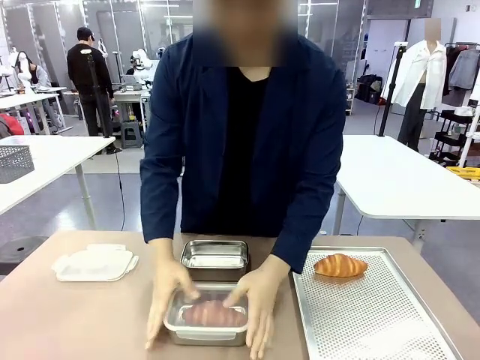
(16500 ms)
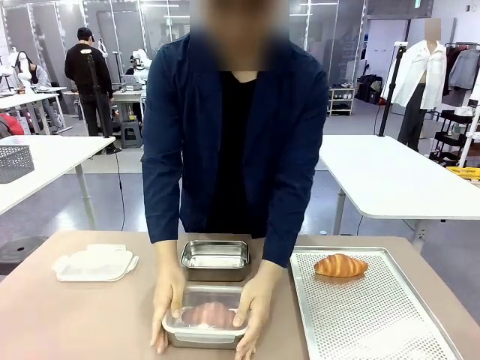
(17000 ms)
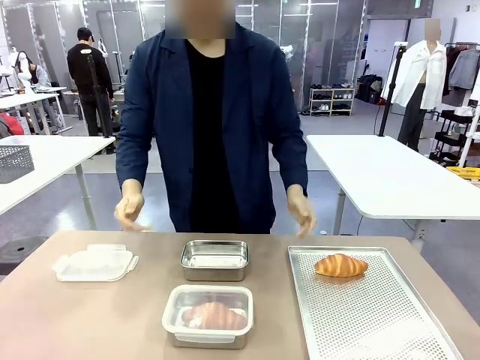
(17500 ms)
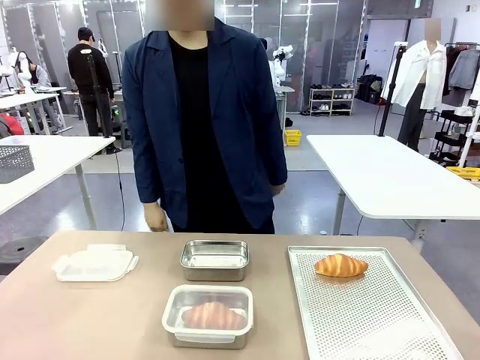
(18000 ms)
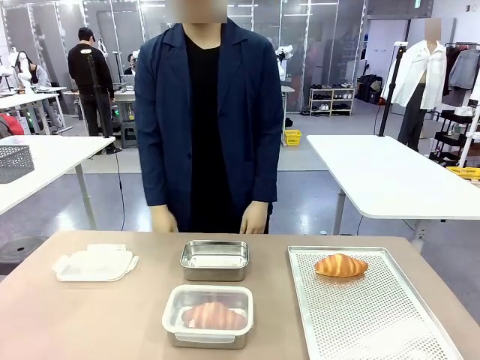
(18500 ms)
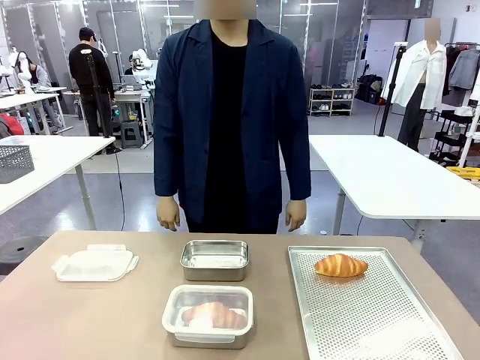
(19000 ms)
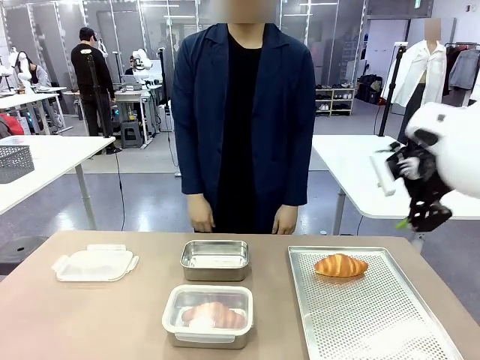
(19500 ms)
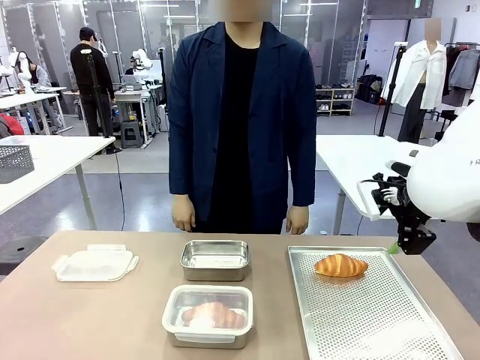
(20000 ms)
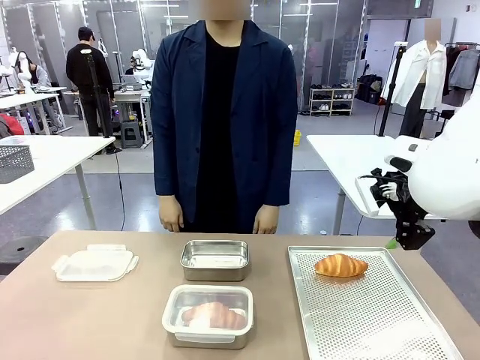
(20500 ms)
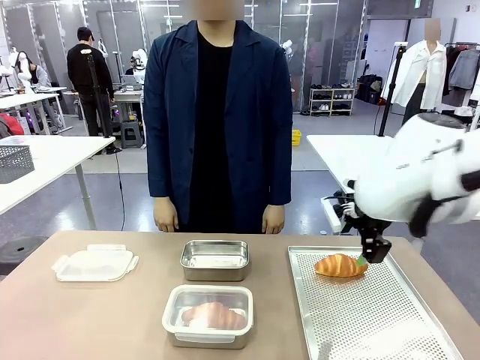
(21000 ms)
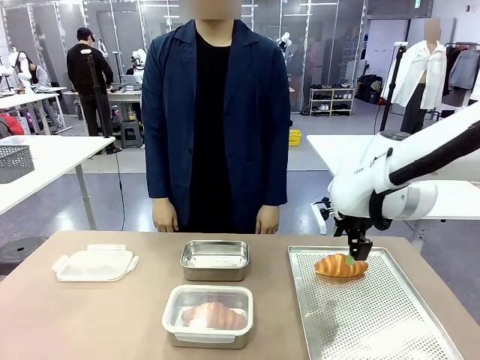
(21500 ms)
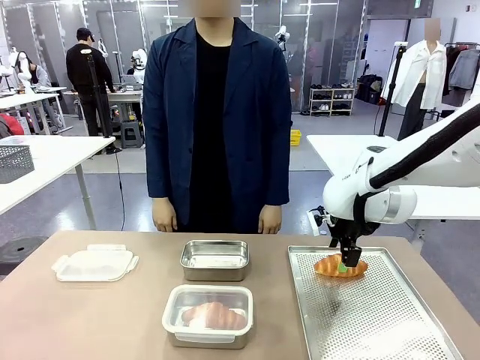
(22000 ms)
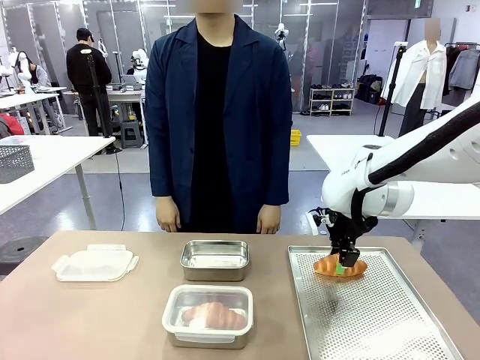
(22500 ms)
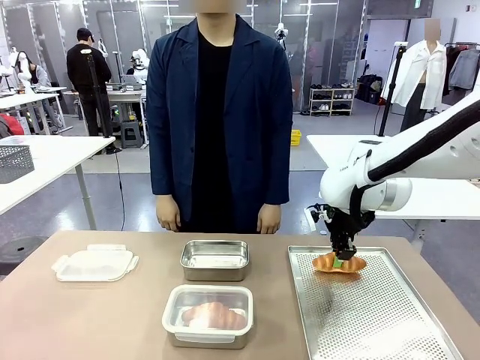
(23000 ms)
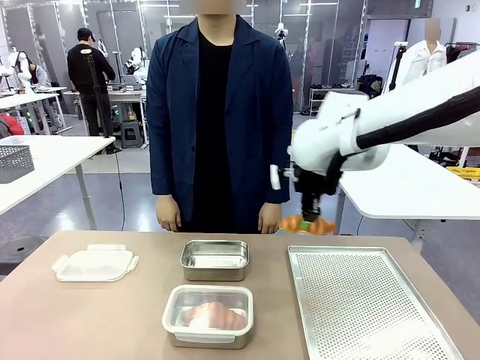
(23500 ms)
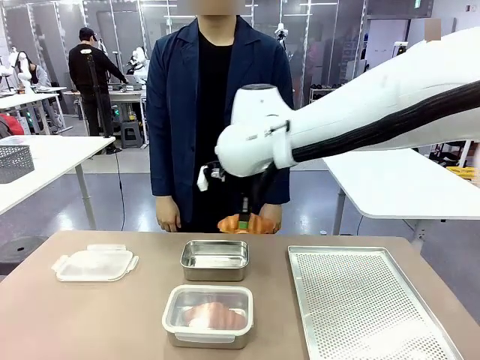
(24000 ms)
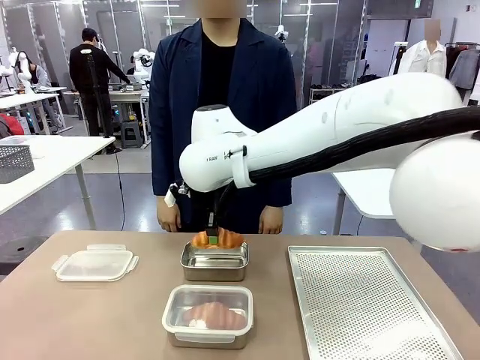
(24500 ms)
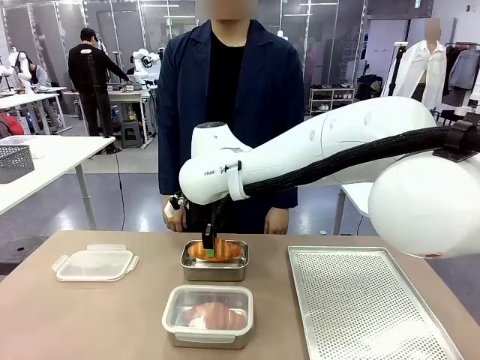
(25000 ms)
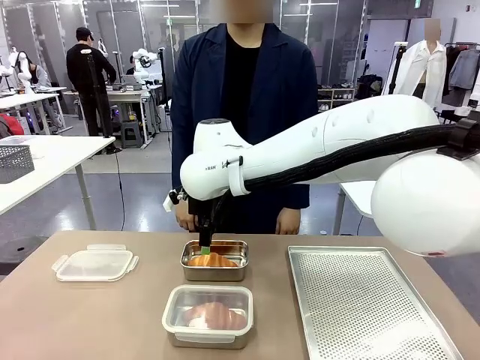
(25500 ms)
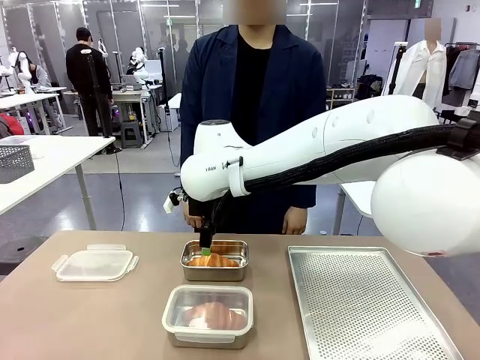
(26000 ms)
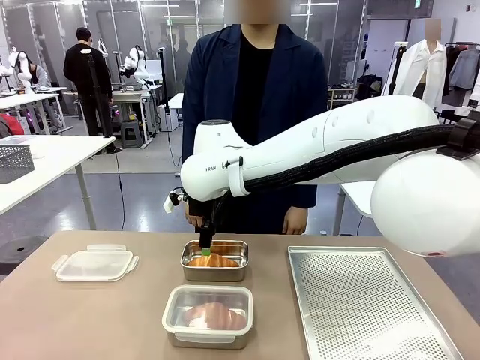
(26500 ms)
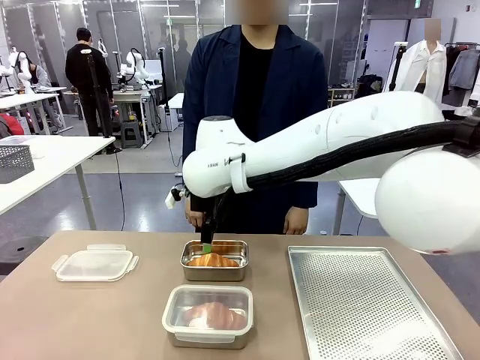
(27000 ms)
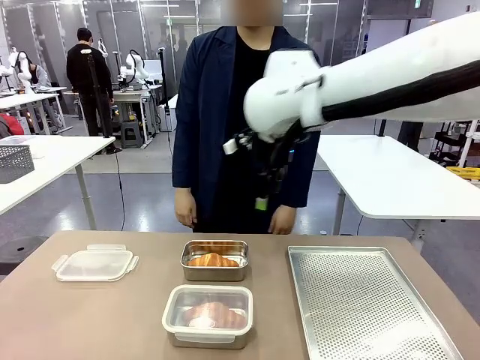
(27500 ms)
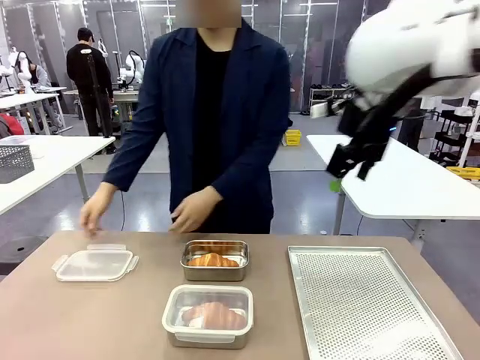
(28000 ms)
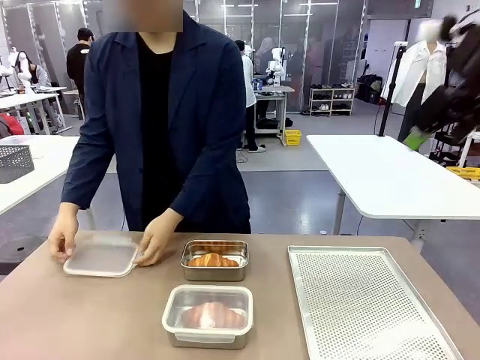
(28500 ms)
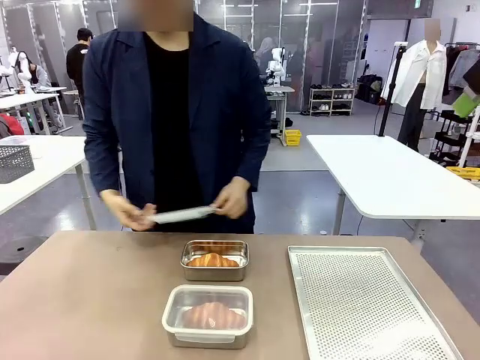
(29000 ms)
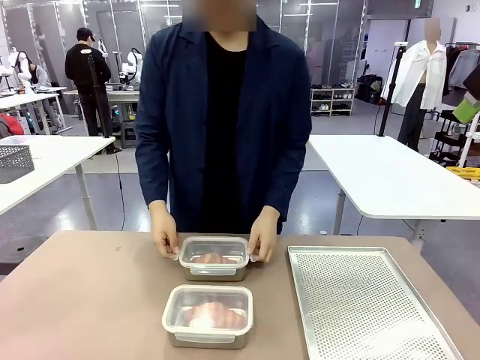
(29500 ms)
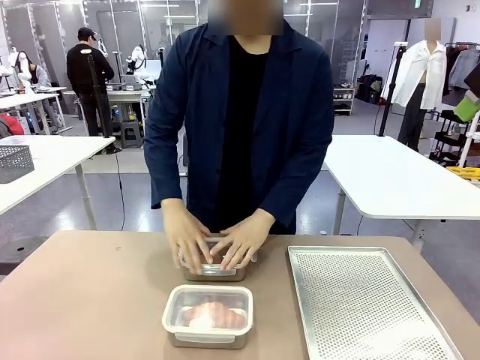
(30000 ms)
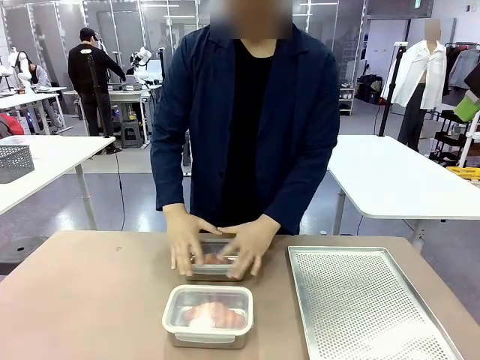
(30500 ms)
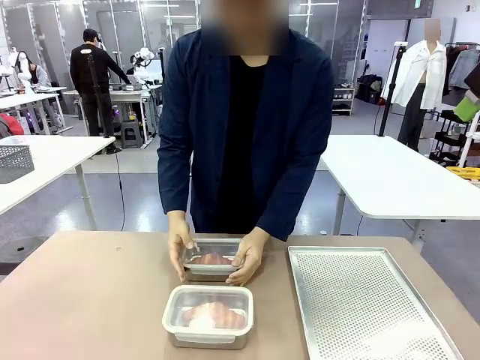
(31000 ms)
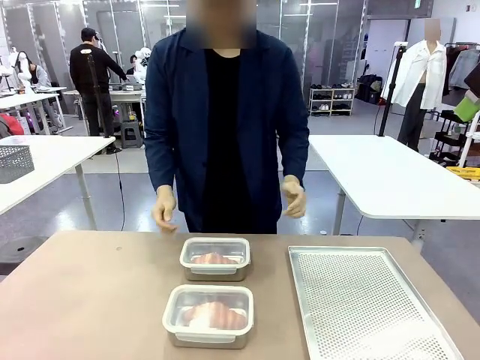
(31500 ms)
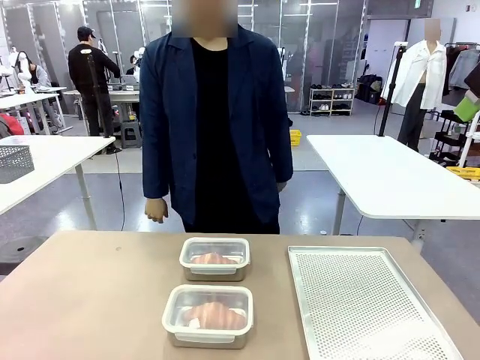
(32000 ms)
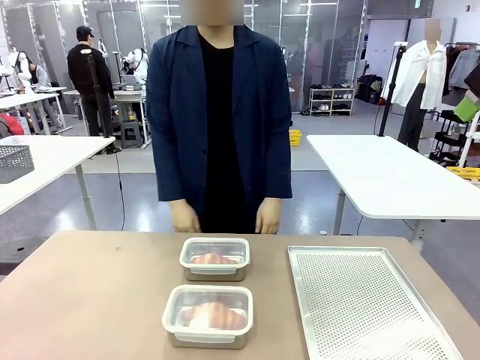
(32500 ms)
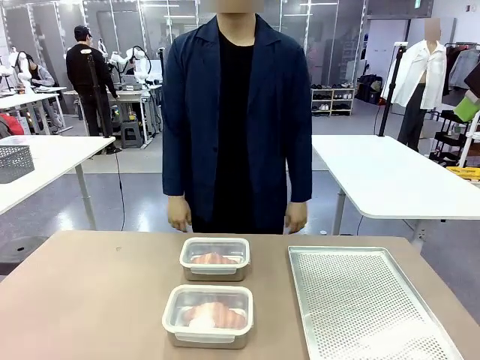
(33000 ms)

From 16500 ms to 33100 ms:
Task: Place the bread into the airtight container.
Robot: Pick up a Butter Roll and place it into an empty Airtight Container.
Person: Once a Butter Roll is inside an Airtight Container , close the lid of that Airtight Container.
